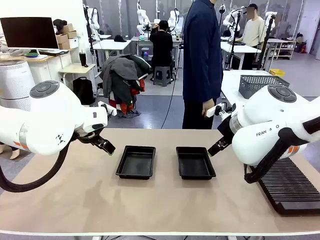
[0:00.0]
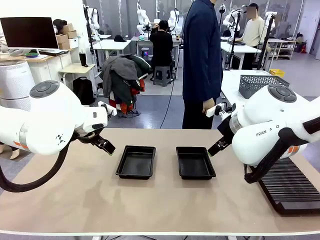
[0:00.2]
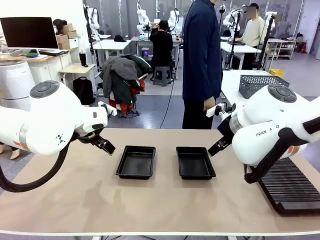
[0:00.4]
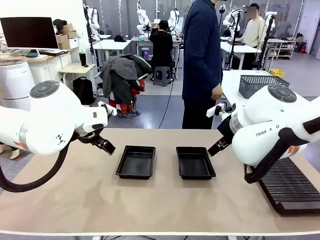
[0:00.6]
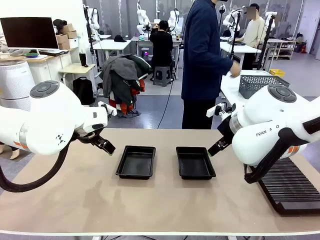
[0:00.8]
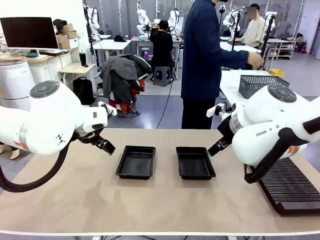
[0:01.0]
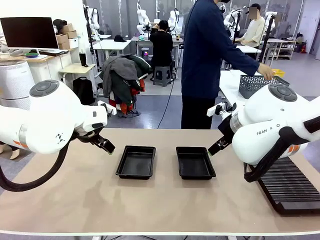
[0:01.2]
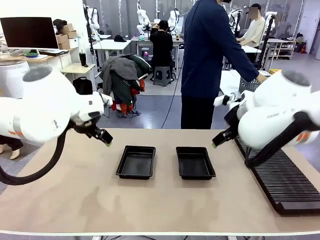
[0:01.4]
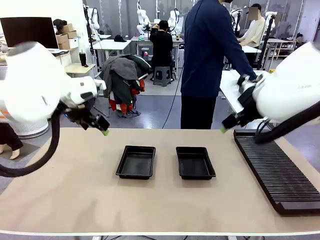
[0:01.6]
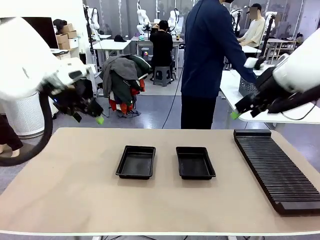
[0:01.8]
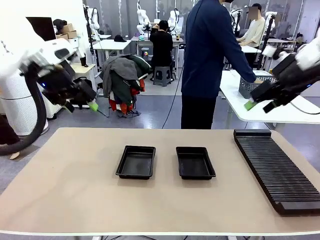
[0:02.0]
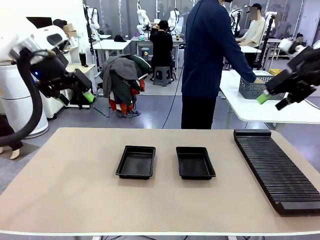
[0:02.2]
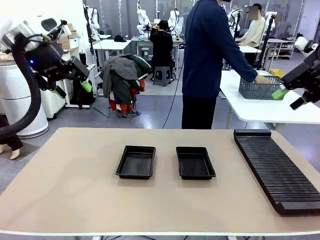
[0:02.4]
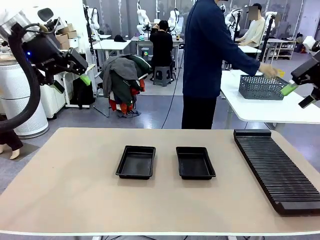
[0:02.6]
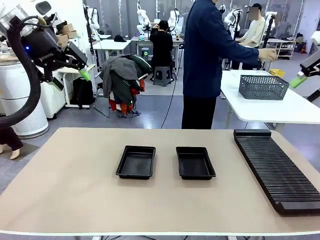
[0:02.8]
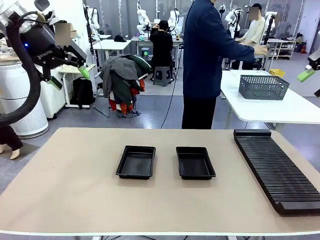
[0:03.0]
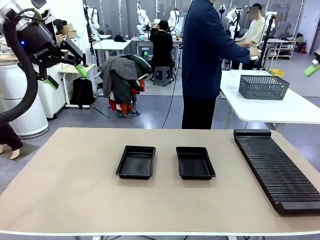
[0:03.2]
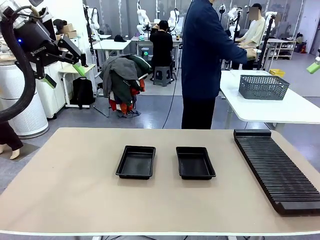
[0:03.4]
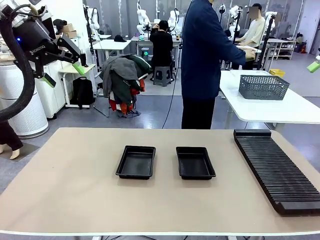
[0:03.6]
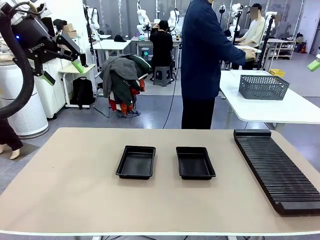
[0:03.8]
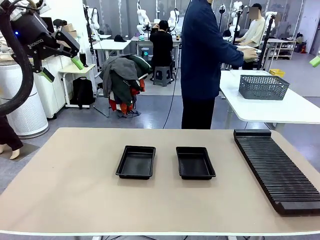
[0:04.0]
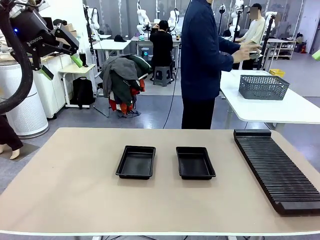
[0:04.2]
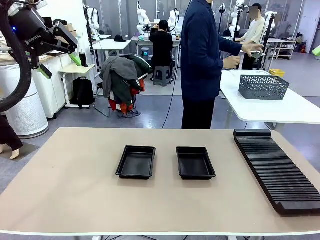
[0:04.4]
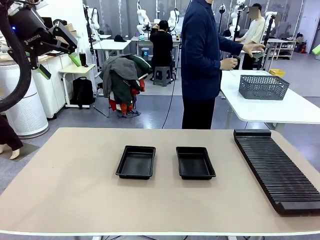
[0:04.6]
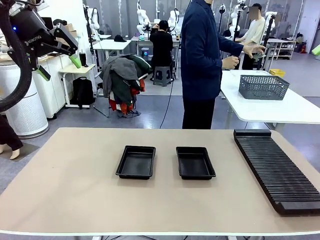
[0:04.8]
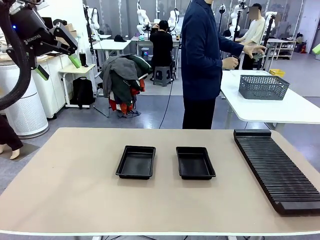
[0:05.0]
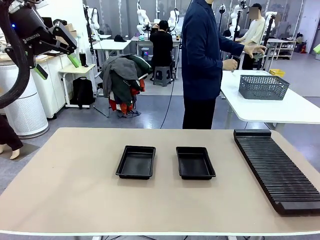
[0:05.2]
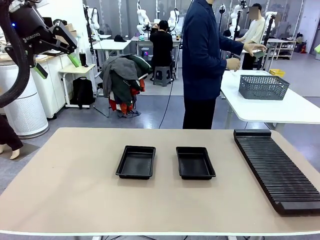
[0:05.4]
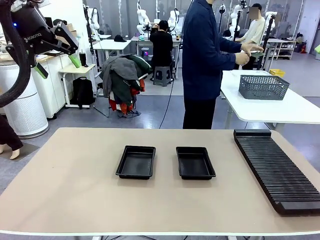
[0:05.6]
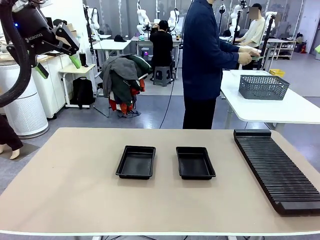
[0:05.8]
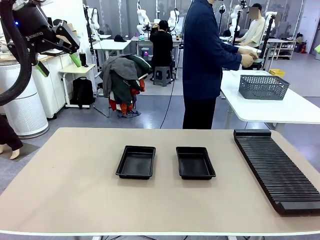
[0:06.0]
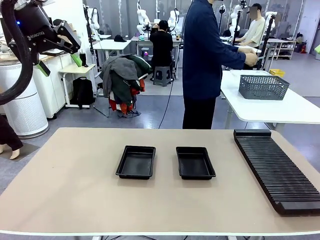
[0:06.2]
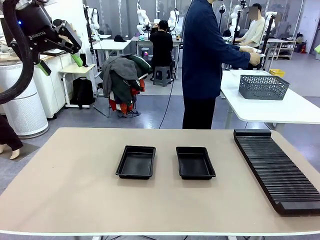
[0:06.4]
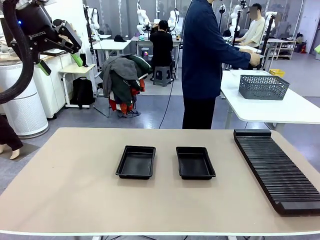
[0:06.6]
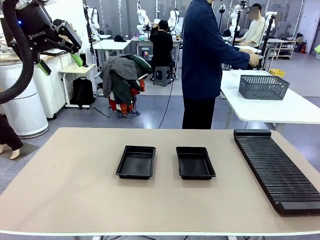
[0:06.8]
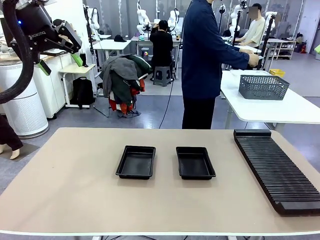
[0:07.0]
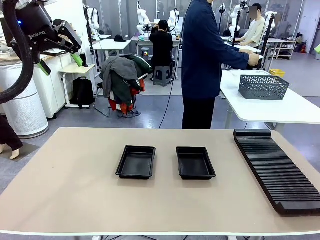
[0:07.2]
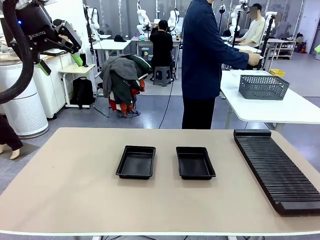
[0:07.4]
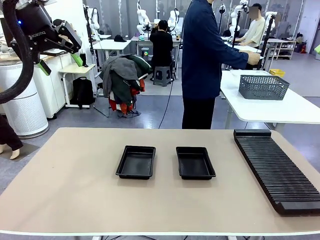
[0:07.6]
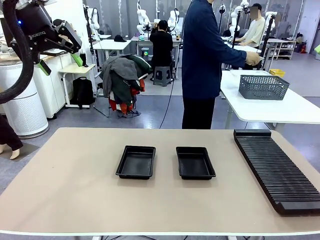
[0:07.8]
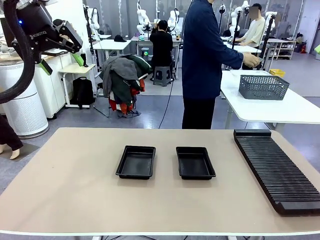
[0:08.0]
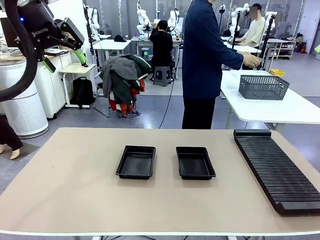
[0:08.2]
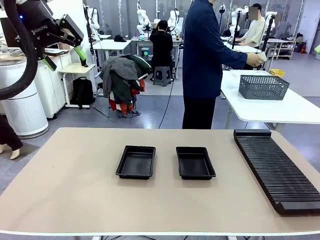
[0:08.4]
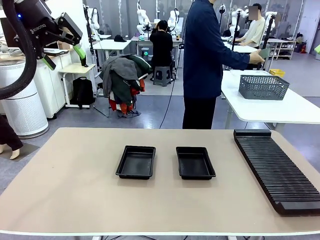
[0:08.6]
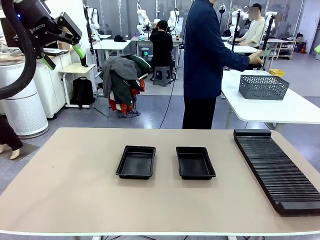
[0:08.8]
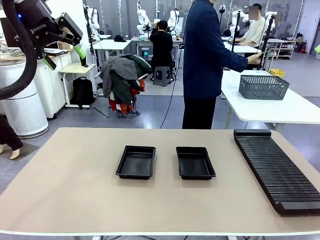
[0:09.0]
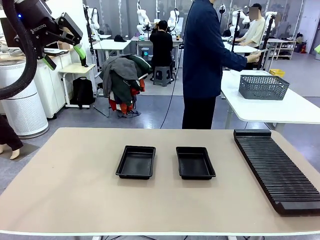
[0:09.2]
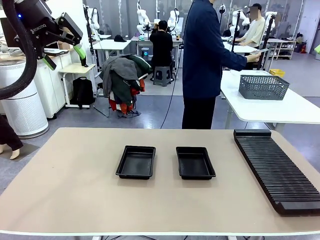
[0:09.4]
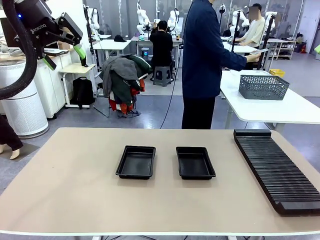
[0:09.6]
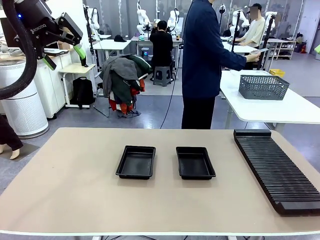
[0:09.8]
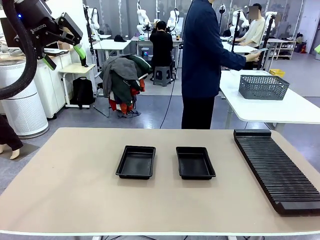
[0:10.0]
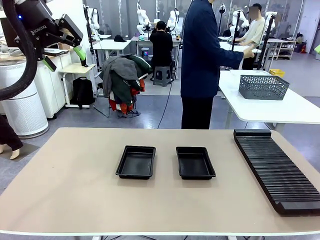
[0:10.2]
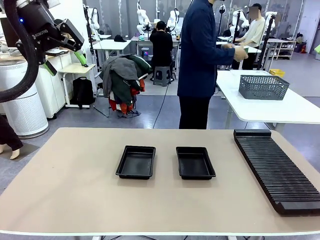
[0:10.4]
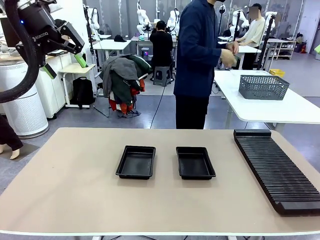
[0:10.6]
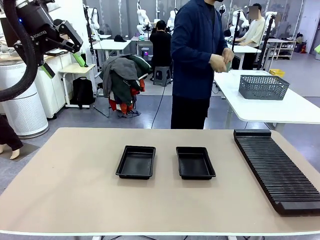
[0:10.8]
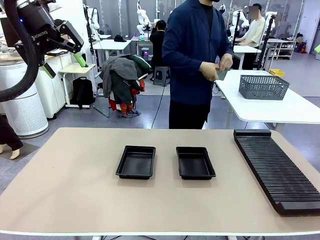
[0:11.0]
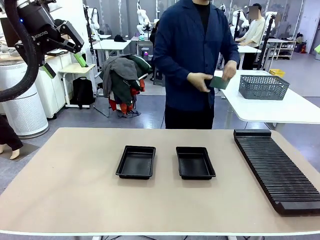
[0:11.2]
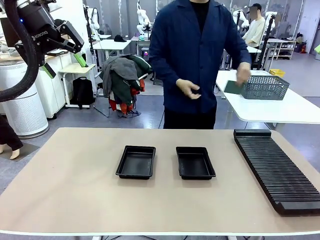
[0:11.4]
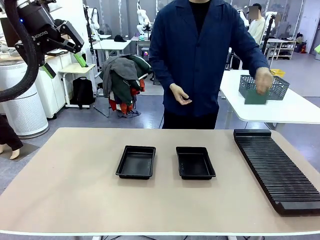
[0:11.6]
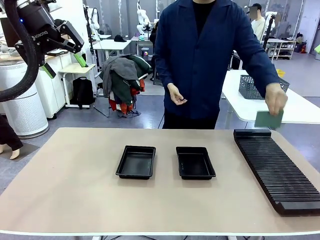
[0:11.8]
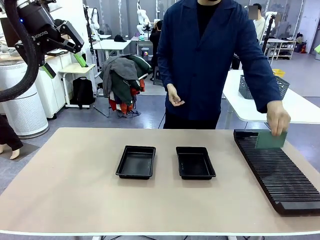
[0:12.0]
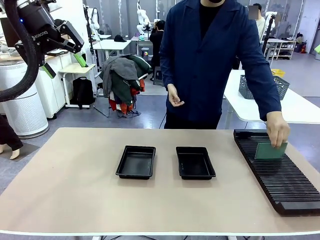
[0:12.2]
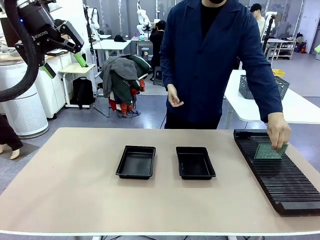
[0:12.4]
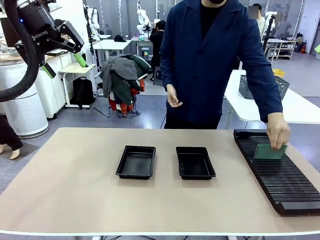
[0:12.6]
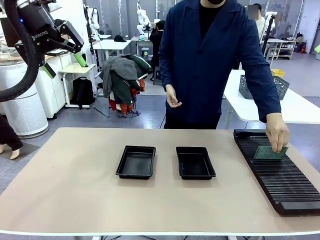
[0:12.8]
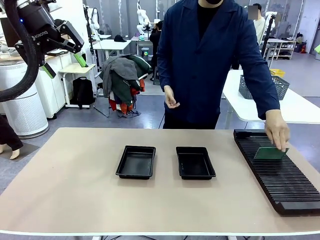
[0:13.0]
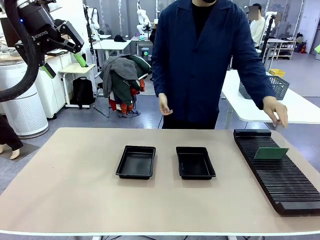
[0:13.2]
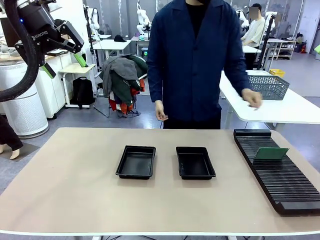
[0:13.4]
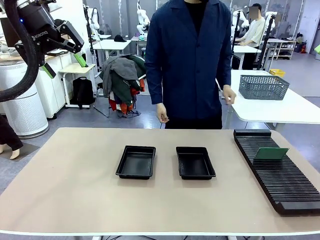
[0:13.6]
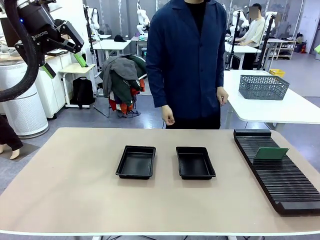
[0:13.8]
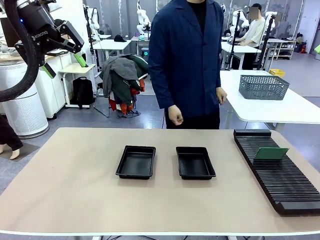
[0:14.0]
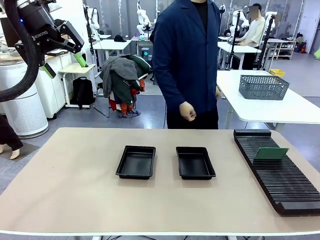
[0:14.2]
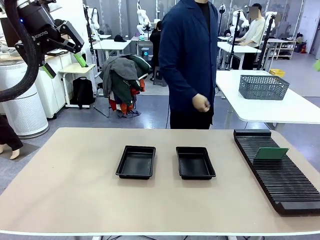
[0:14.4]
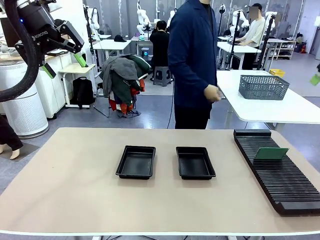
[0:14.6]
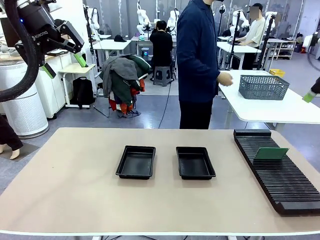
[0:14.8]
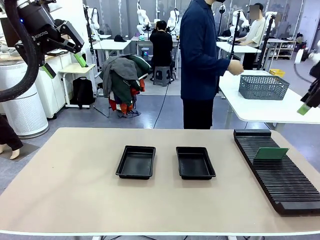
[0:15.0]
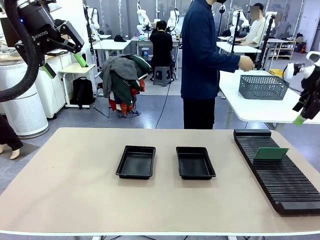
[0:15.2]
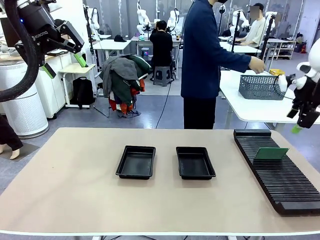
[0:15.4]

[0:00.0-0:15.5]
Task: Inspect and transfer BCBs to ESD trays.
Robot: Pick up the Blank PCB from the PCB Rack and place it in the left ESD tray.
